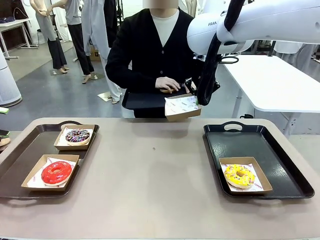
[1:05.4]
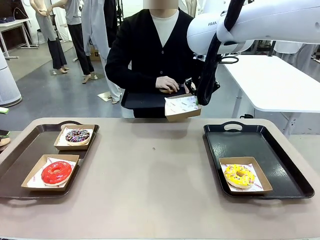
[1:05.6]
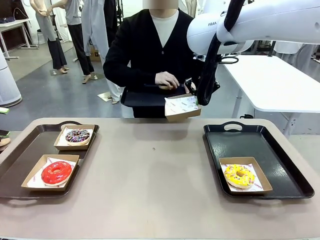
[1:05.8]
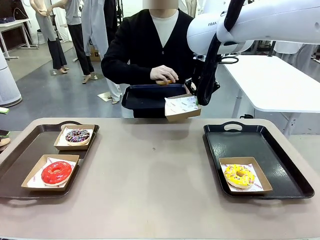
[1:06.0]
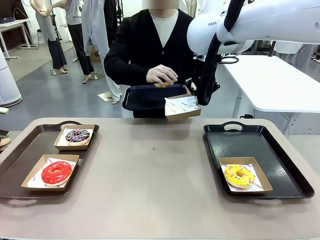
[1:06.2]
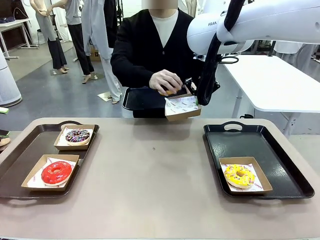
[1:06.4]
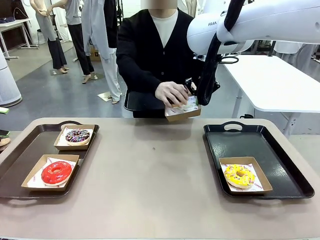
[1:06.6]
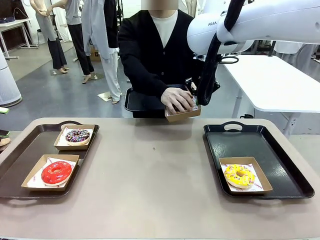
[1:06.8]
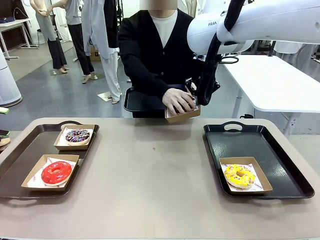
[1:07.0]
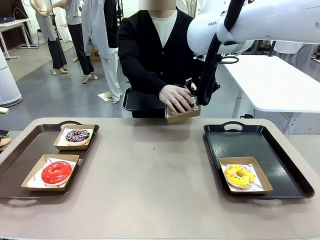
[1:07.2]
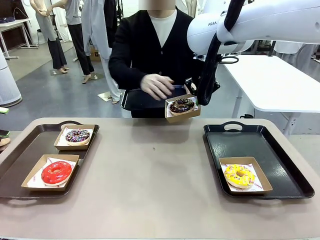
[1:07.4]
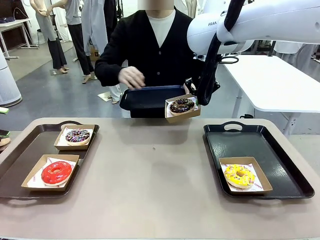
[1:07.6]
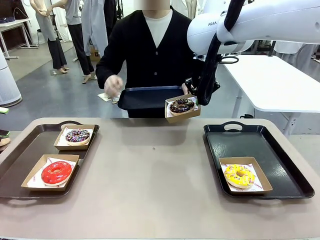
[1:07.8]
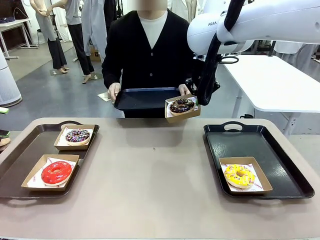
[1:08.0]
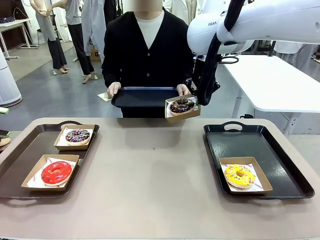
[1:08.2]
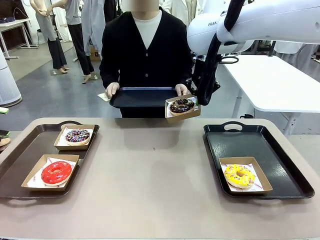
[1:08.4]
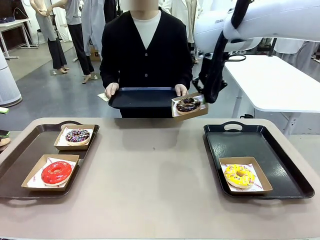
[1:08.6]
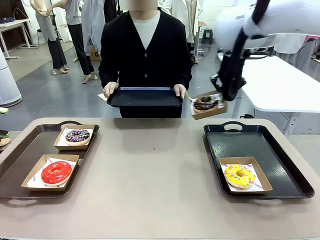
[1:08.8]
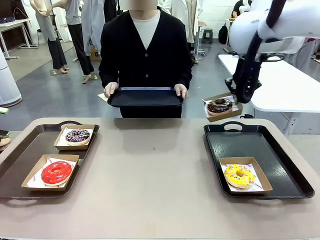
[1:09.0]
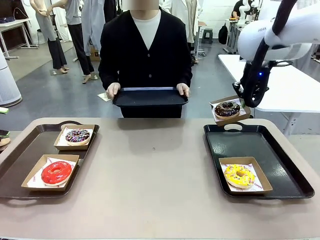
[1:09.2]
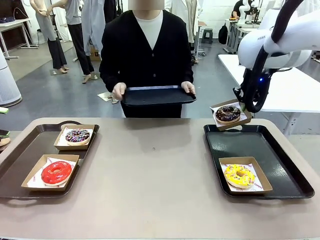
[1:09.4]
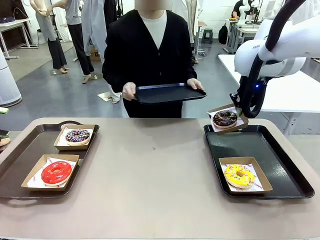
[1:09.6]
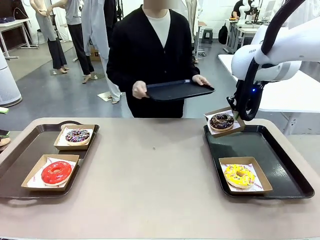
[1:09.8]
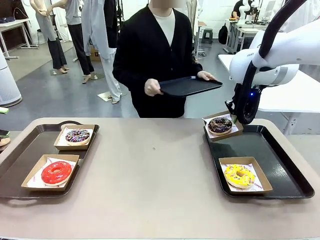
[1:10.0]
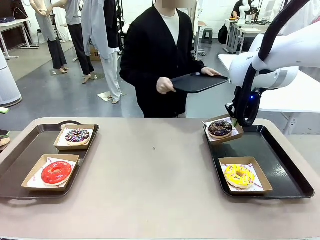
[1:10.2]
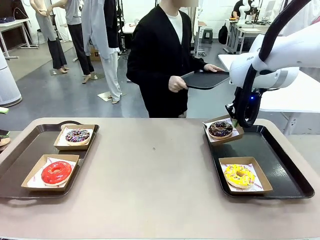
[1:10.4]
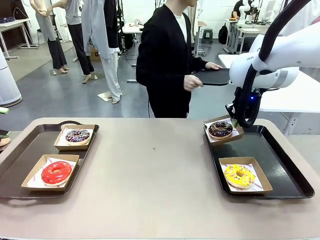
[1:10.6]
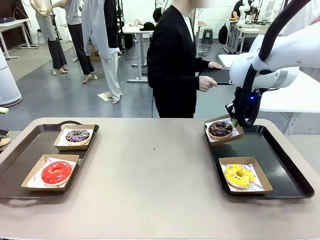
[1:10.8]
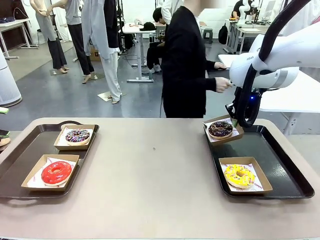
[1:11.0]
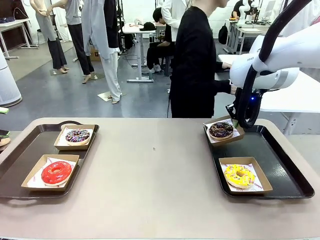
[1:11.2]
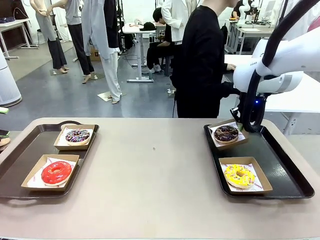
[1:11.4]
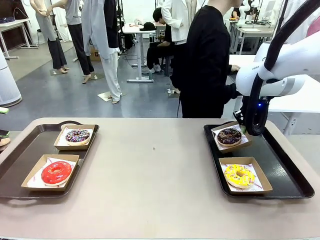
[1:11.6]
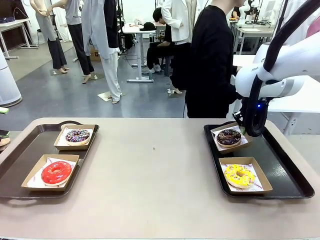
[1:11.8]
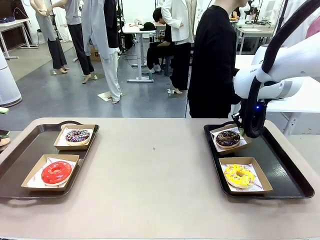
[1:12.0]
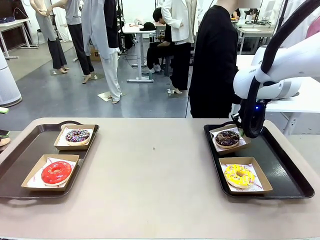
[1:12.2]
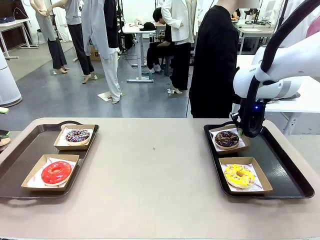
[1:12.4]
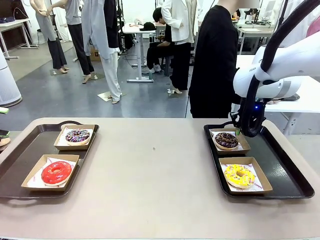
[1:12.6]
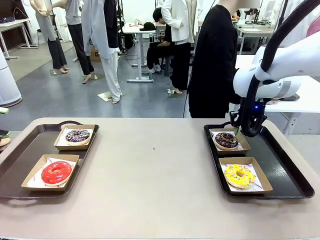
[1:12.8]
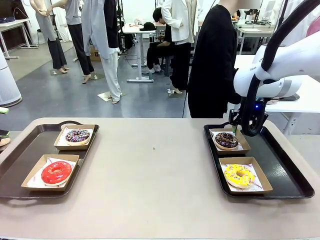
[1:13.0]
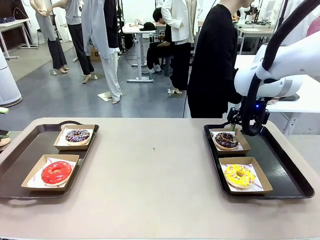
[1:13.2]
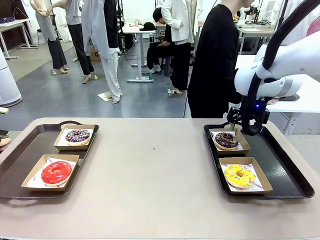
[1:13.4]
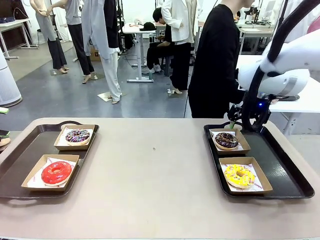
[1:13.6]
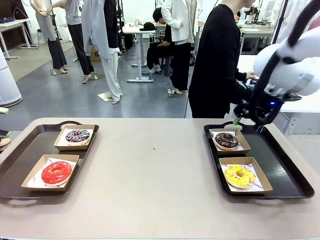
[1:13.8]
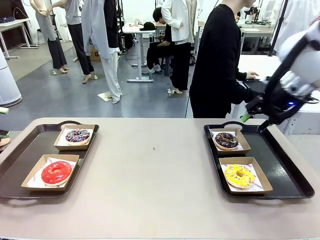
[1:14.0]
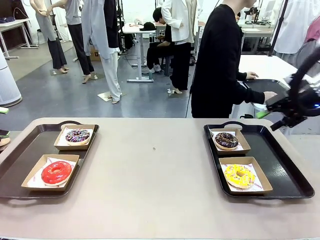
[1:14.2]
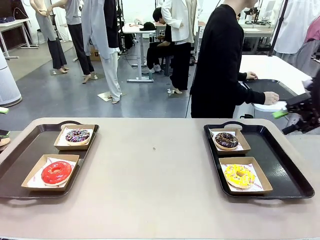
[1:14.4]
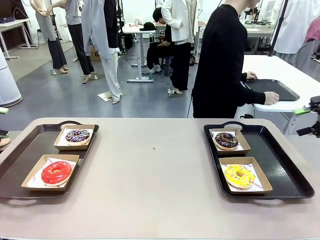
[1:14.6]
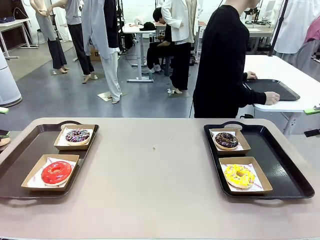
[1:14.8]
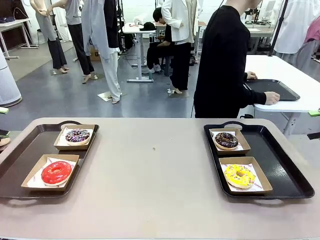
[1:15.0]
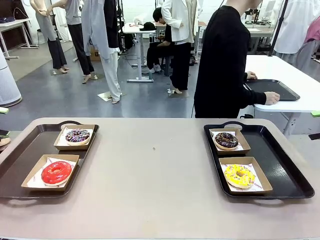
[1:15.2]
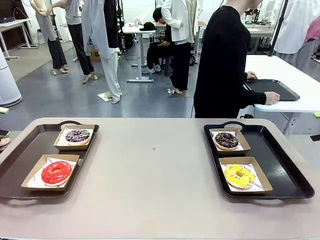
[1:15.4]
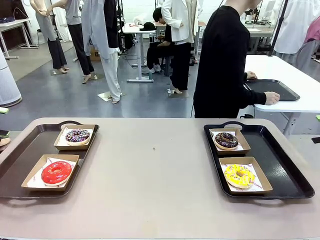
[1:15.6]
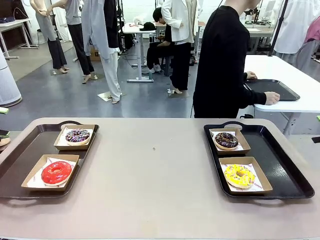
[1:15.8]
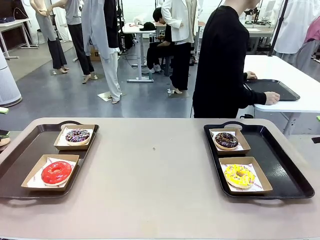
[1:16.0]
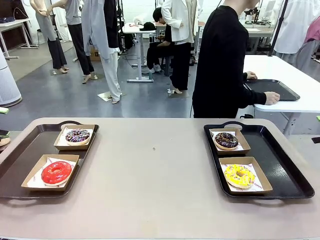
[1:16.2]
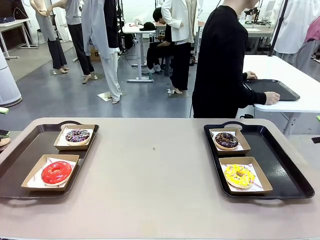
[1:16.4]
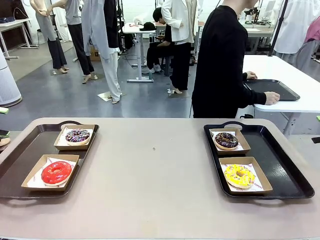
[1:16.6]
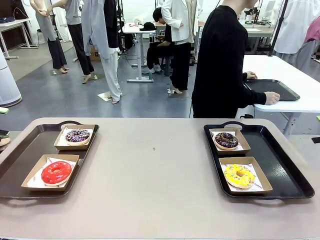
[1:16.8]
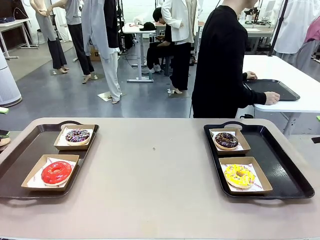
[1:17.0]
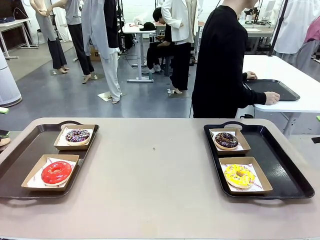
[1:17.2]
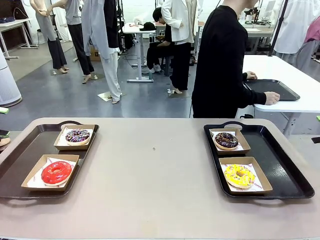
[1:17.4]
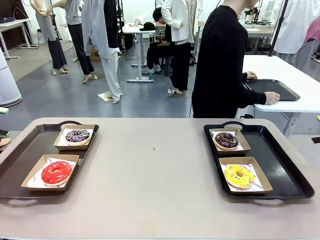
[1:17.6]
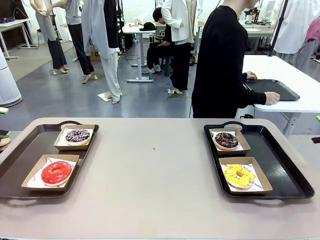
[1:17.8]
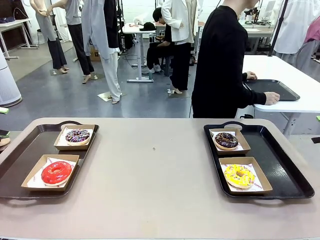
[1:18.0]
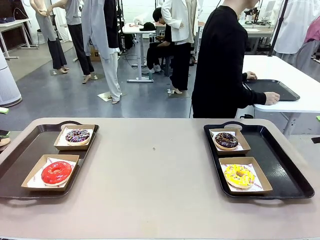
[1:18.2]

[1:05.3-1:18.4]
Task: Individually package the donuts and arrange them on the tray.
Robot: Place the picked Paper togo box on the Handle tray.
Person: Place the tray down in the middle of the human table.

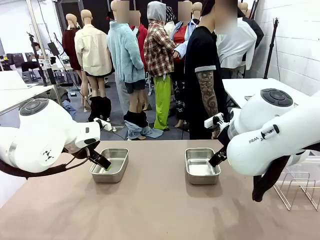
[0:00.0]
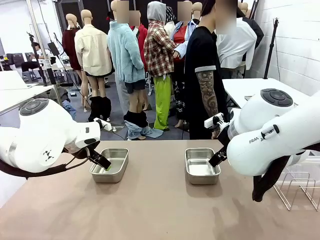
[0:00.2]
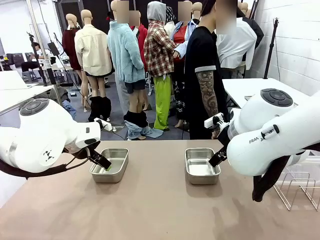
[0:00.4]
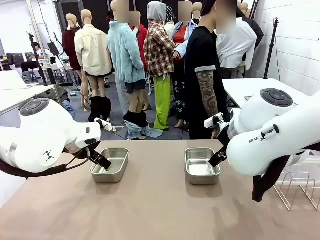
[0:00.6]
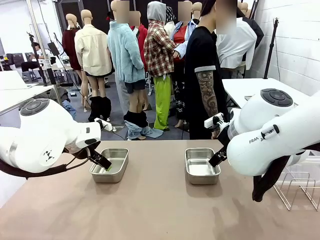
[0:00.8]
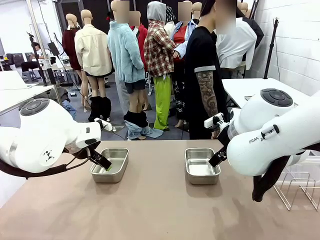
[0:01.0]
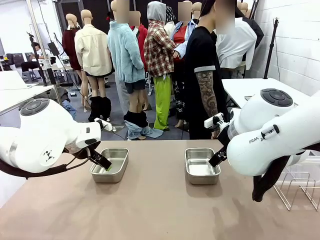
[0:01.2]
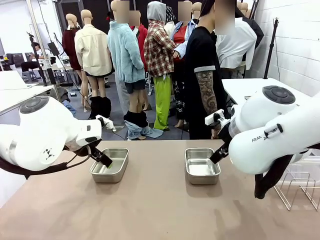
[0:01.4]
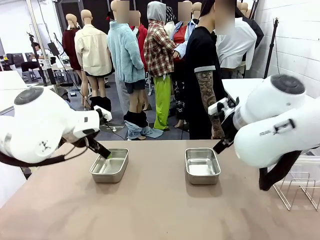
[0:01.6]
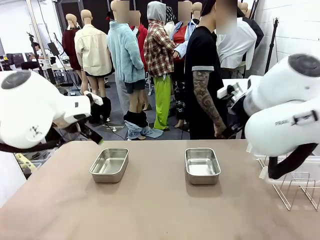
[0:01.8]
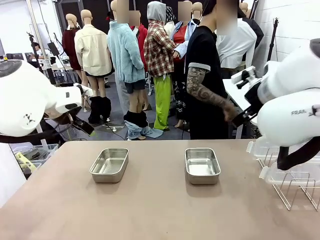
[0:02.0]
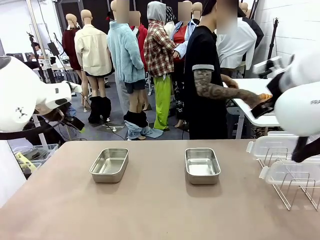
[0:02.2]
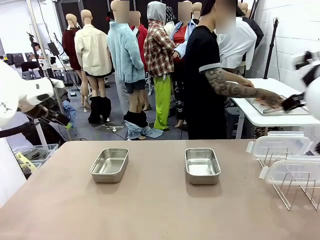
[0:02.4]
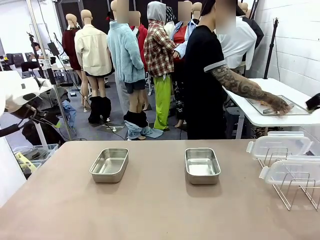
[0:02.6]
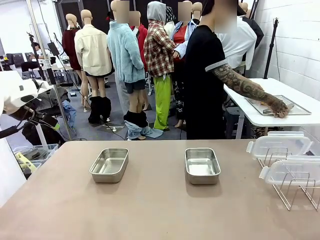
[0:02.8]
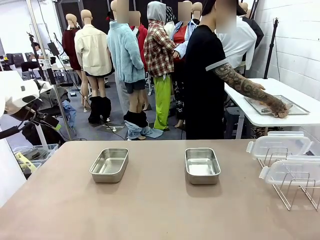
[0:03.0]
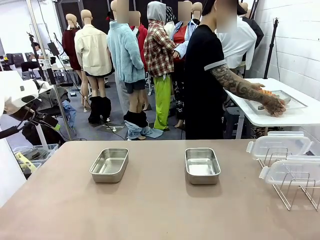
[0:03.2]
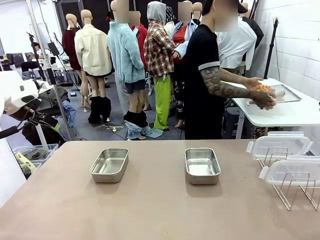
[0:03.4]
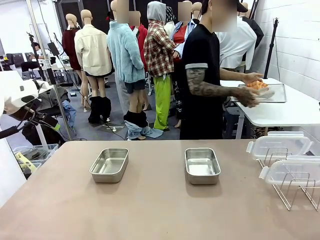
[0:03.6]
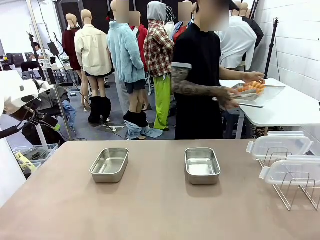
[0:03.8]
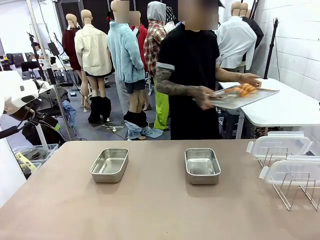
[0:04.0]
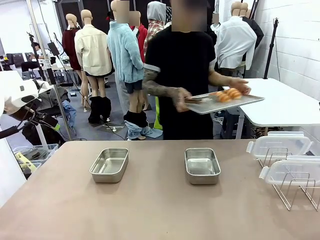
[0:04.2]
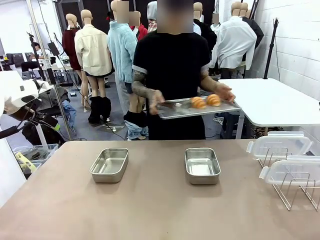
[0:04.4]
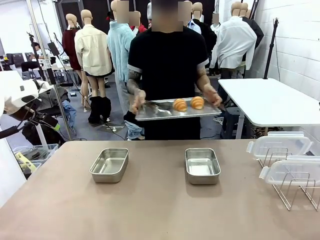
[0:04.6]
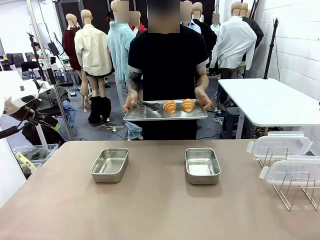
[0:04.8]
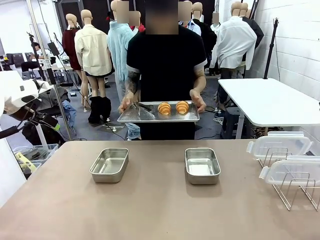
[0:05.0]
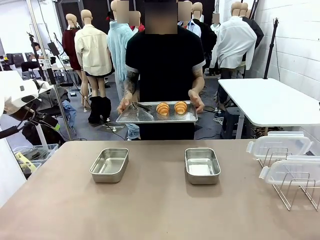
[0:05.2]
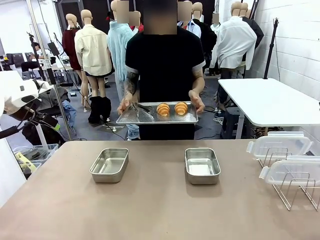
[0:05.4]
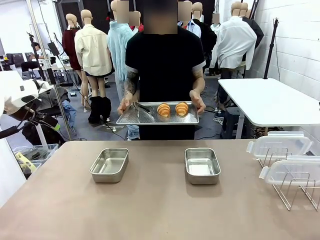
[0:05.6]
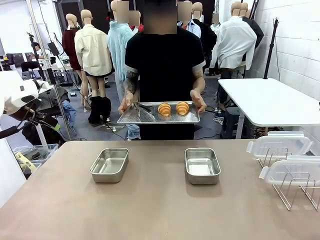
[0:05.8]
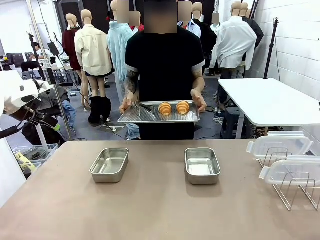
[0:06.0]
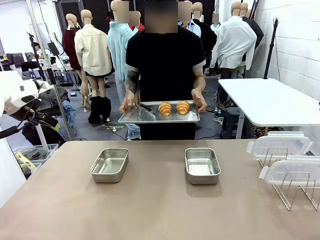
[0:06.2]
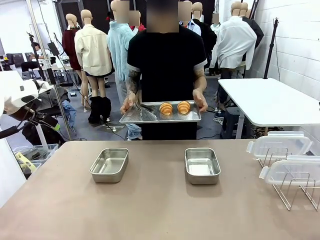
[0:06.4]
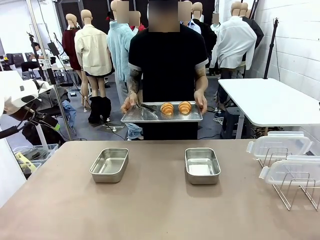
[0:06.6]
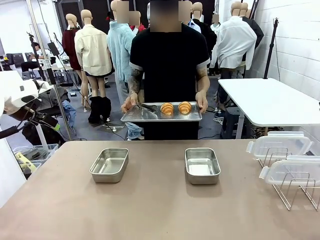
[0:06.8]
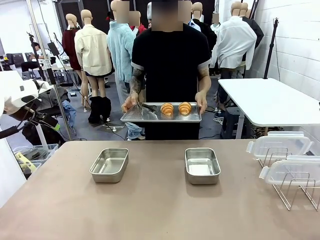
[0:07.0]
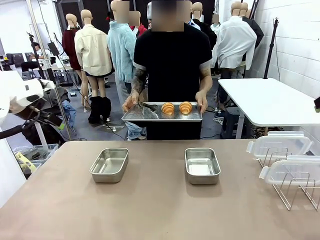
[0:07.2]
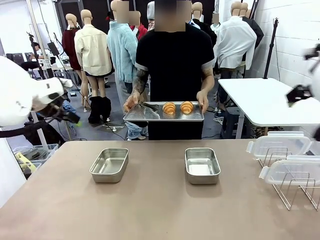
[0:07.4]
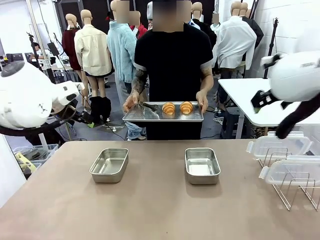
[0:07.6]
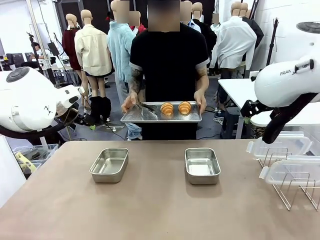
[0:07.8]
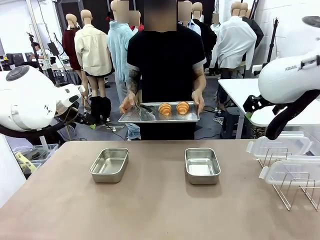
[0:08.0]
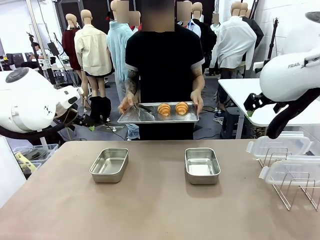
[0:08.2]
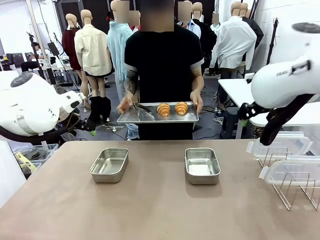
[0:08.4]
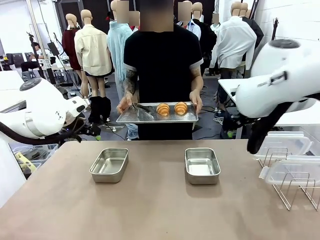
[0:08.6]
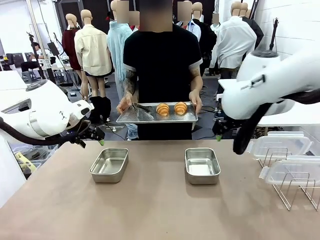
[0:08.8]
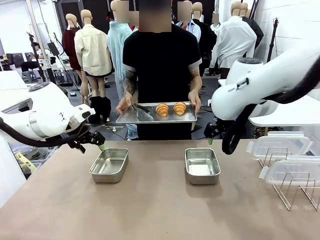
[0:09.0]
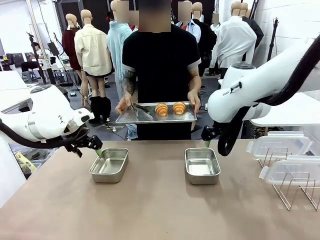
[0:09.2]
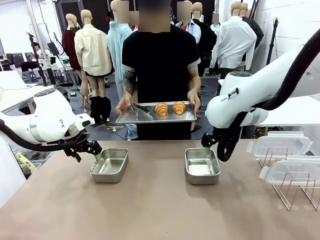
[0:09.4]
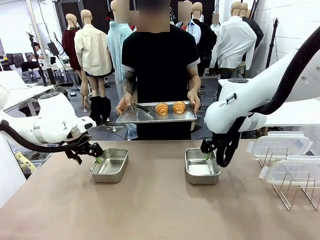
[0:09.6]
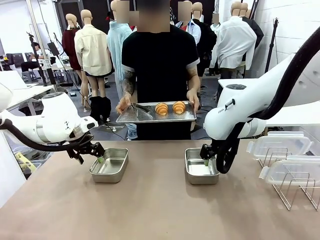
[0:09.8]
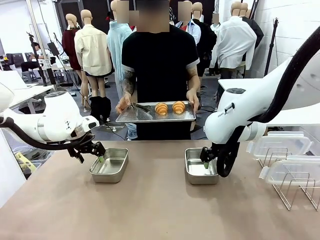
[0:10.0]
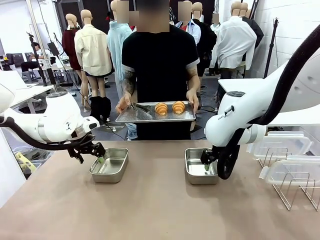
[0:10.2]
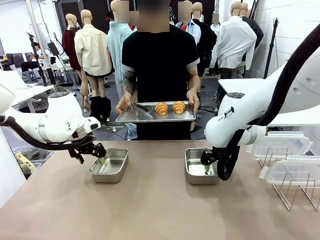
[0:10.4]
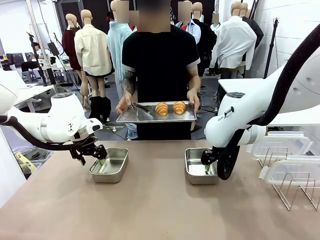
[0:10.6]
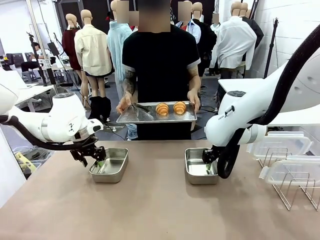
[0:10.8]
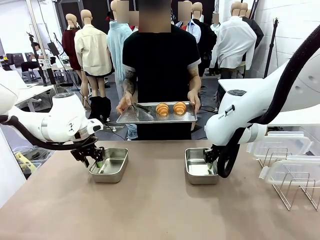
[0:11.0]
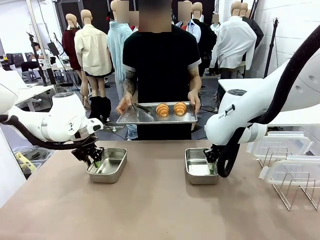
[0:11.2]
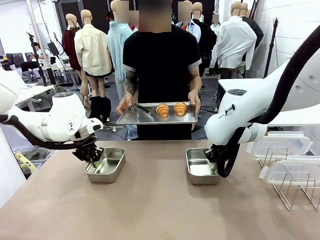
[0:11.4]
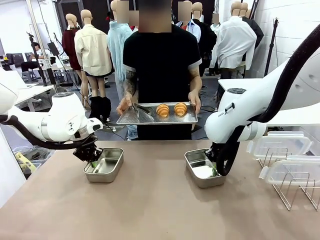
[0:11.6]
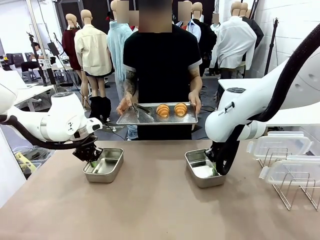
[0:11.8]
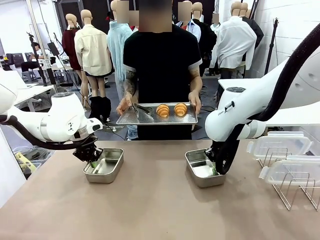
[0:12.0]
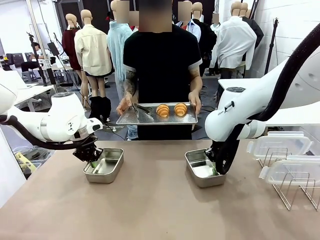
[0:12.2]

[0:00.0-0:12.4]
Task: Place the bread in airtight containers.
Robot: Lift both Airtight Container.
Person: Bring the Baking Sheet in front of Robot's Table.
